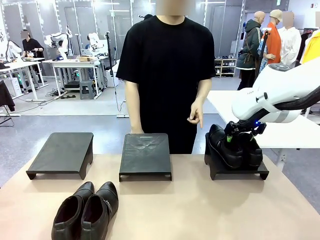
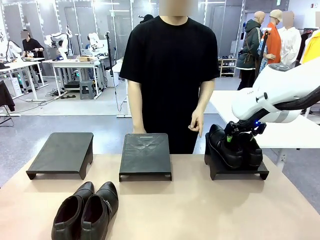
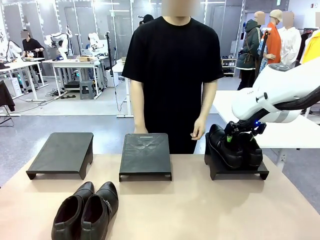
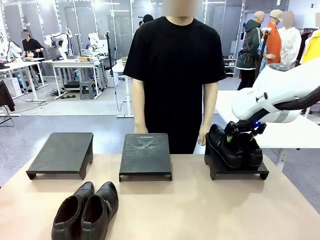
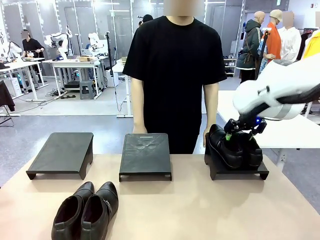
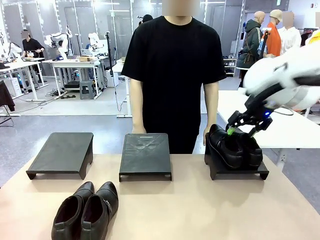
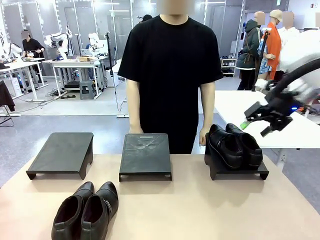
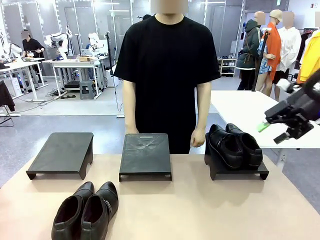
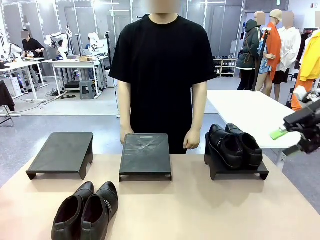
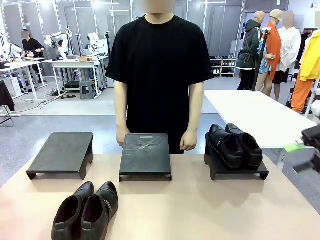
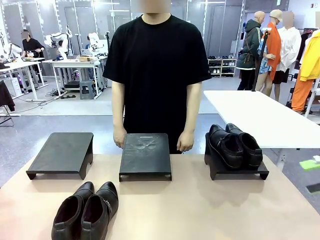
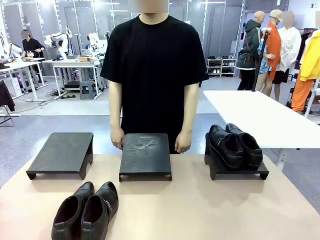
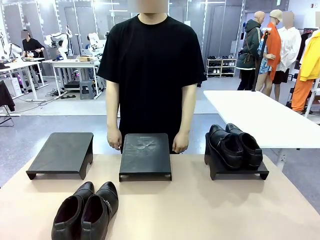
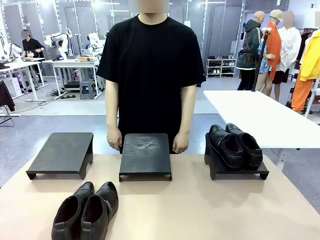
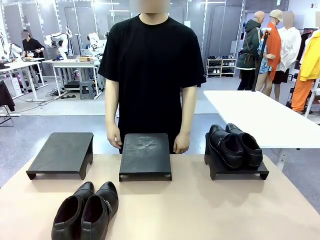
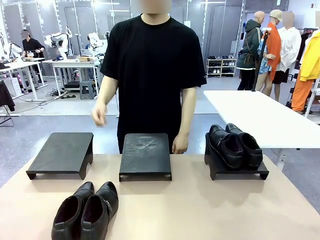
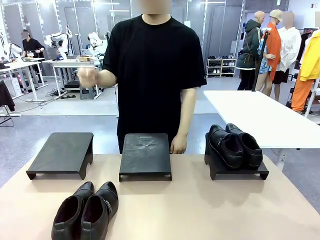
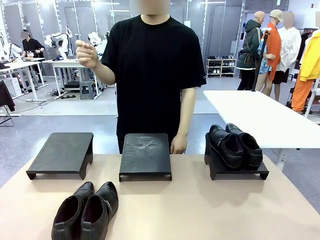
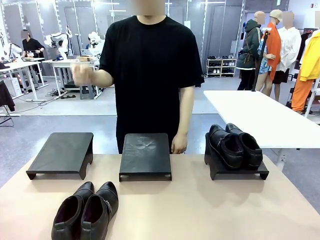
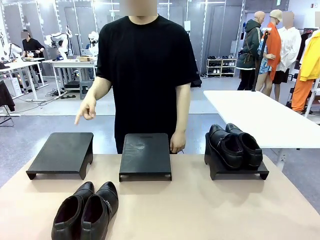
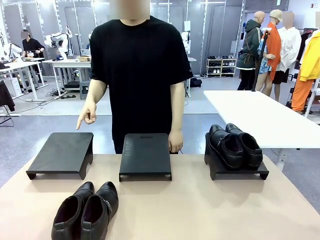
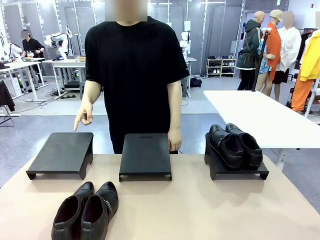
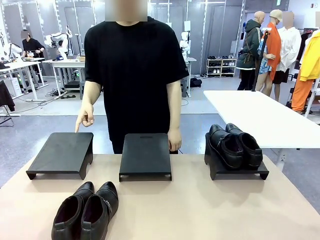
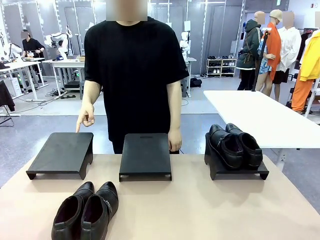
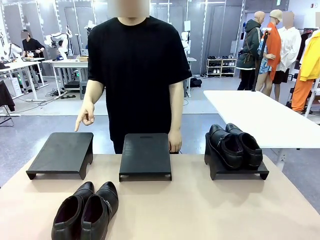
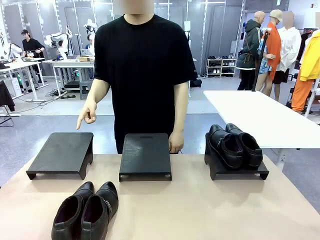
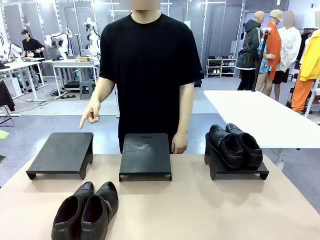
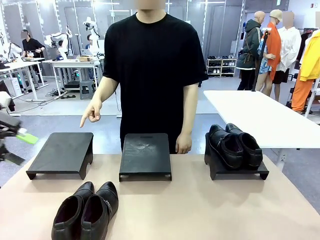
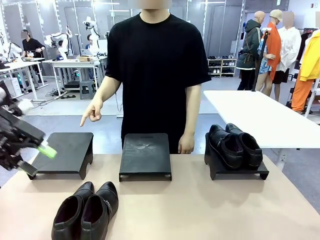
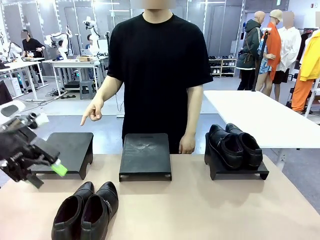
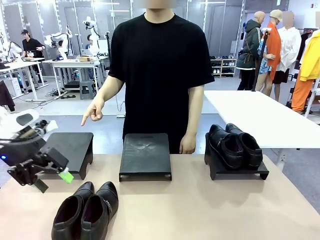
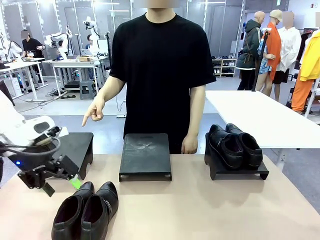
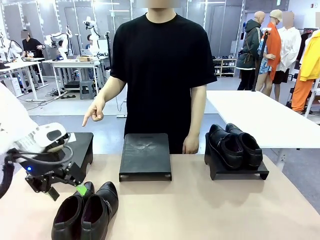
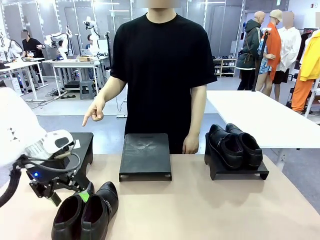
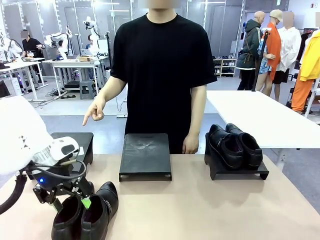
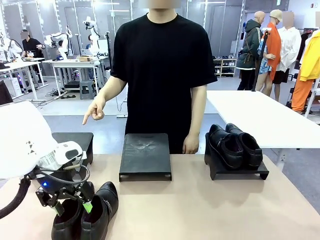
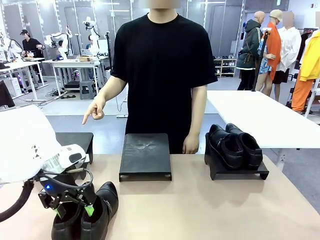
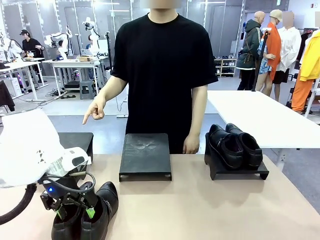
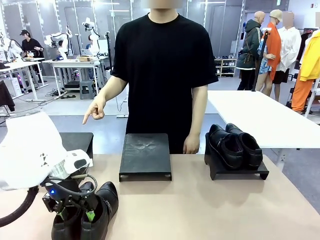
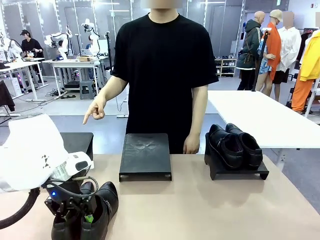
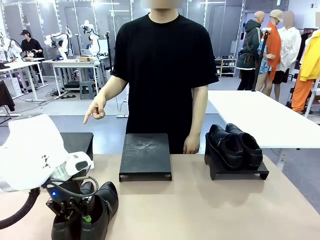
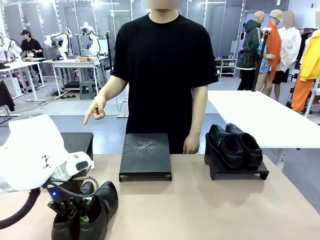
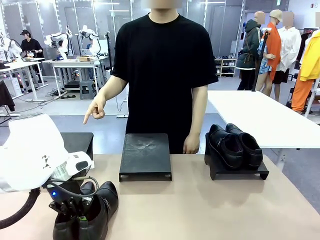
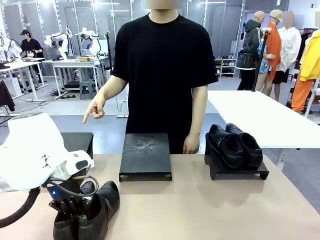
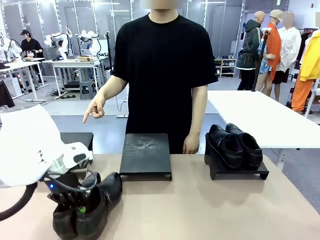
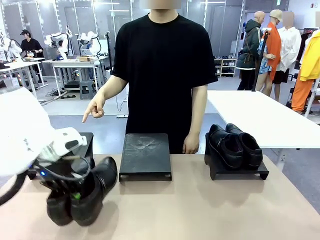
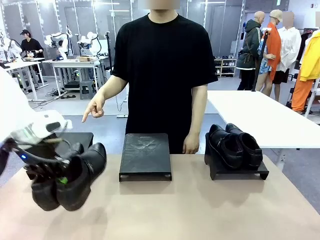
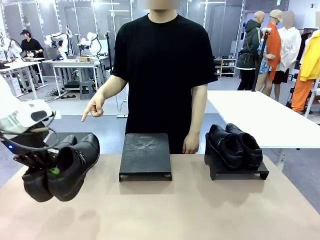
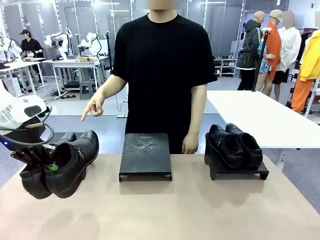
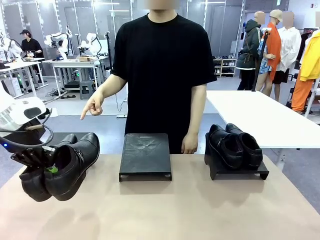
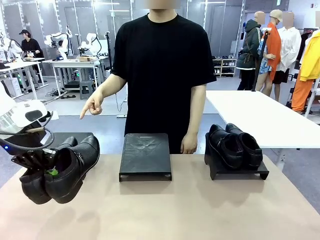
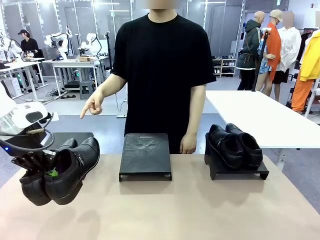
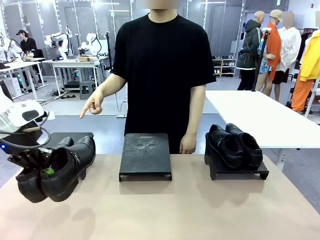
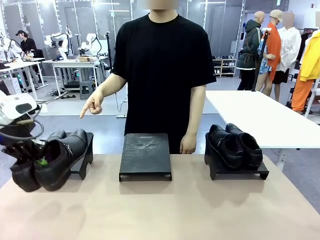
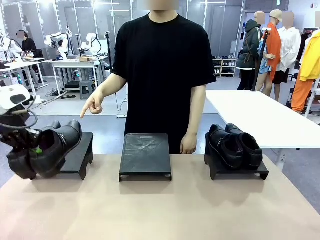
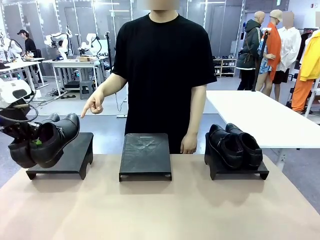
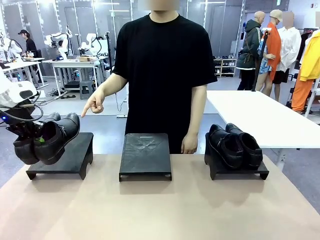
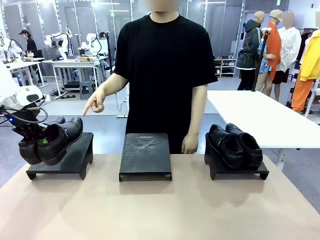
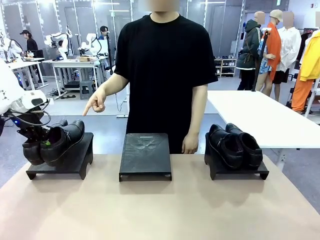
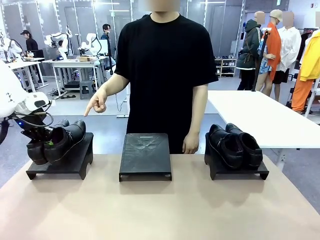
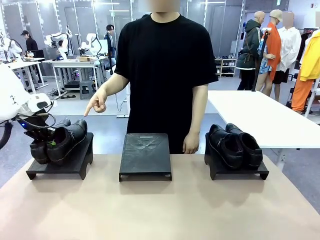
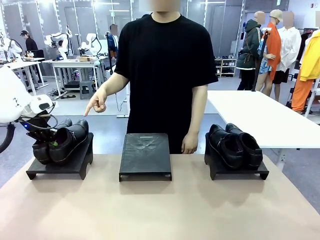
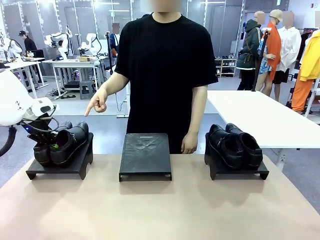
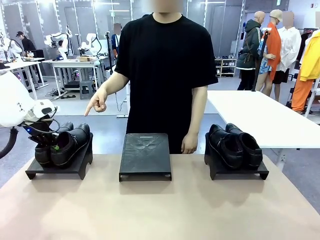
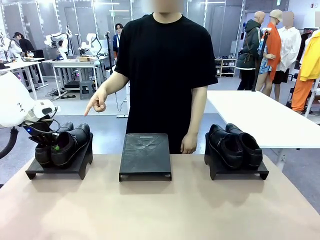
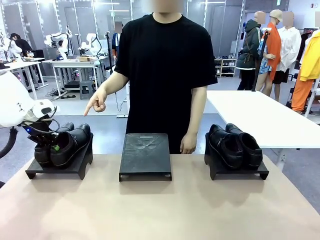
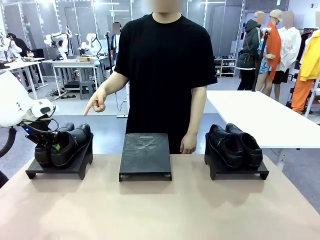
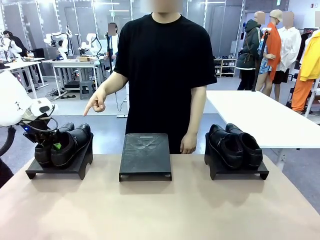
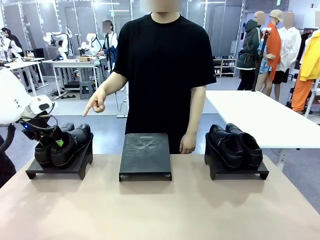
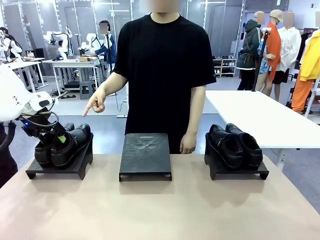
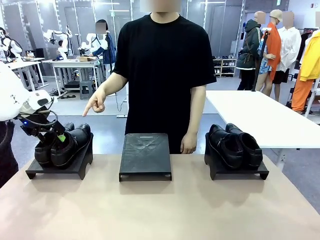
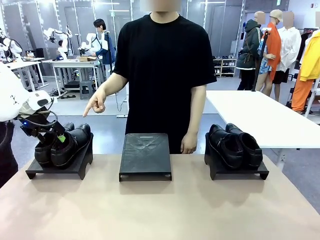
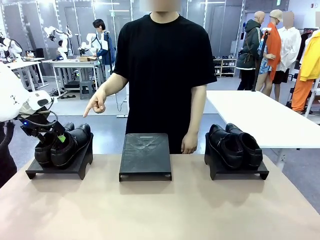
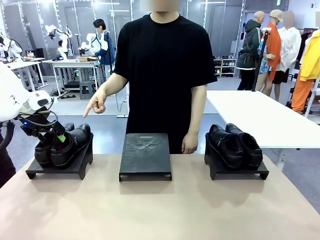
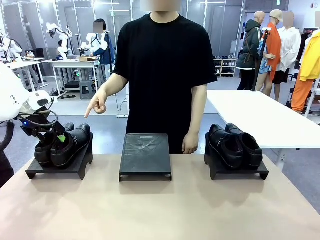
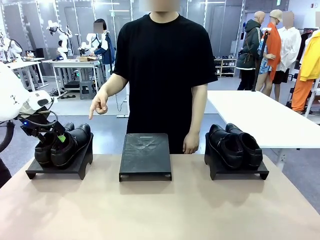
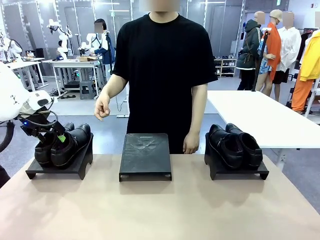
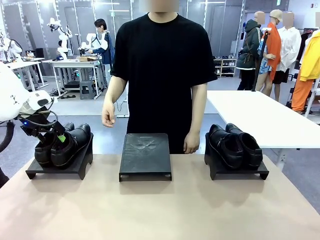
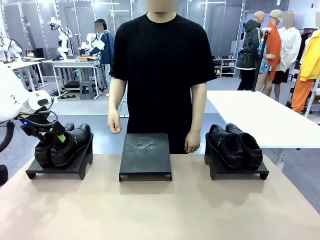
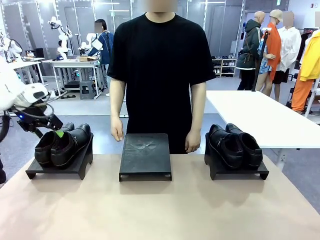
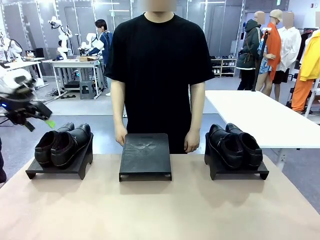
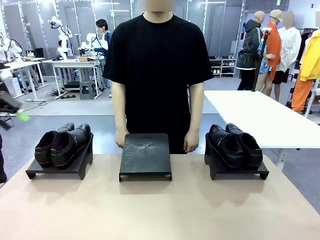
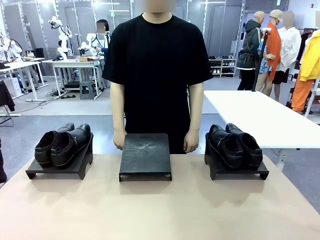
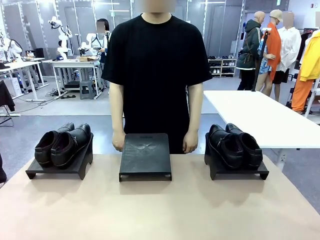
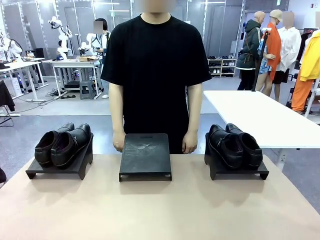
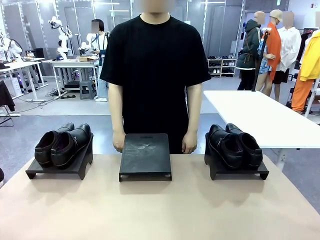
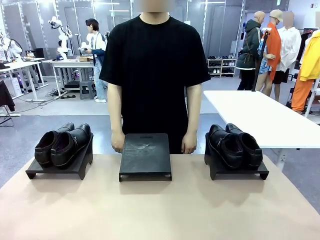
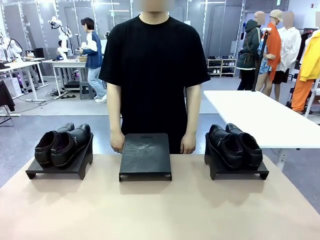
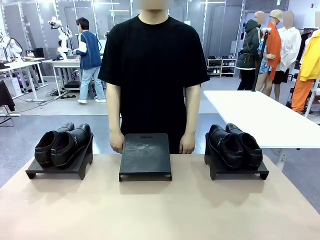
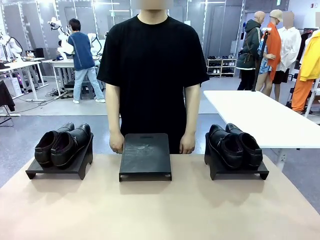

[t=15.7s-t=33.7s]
Task: Place the shoes on the stand as instructed by the person.
Robot: Pick up another pair of Shoes and place it on the Shoes Stand indicated by the person.
Person: Point to one Shoes Stand.
